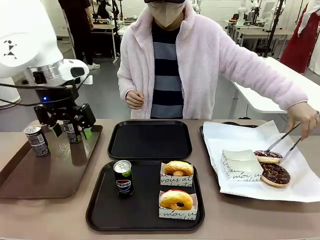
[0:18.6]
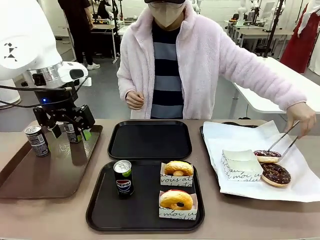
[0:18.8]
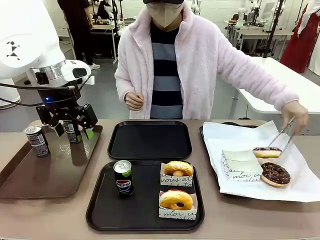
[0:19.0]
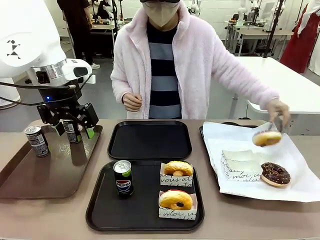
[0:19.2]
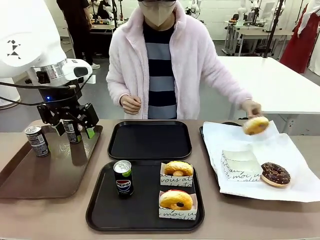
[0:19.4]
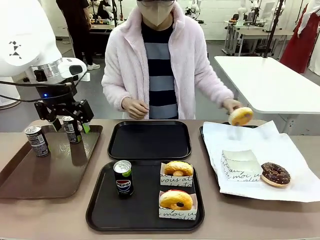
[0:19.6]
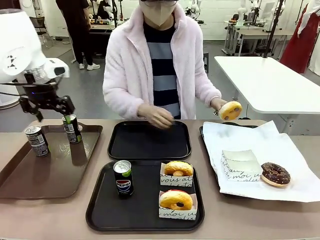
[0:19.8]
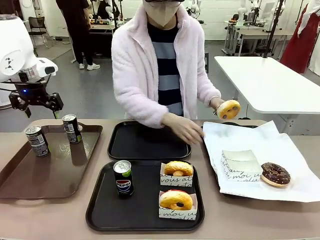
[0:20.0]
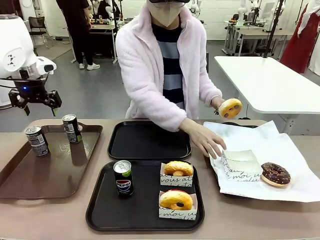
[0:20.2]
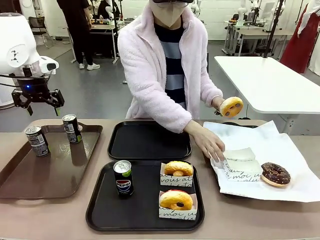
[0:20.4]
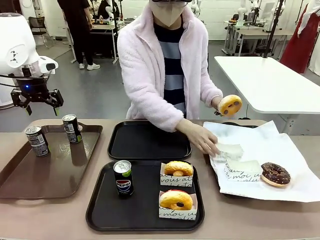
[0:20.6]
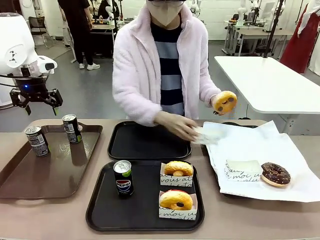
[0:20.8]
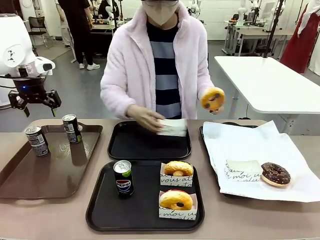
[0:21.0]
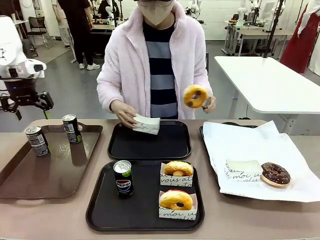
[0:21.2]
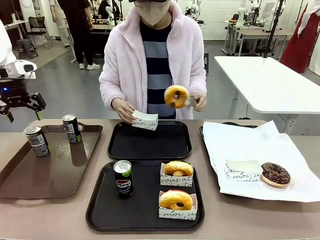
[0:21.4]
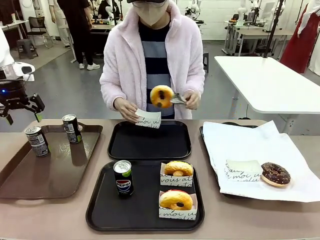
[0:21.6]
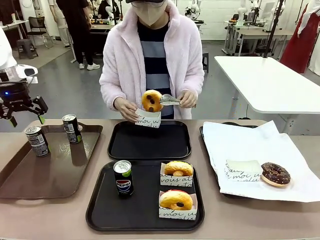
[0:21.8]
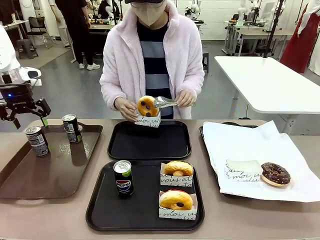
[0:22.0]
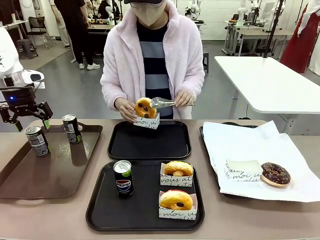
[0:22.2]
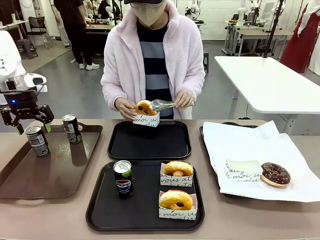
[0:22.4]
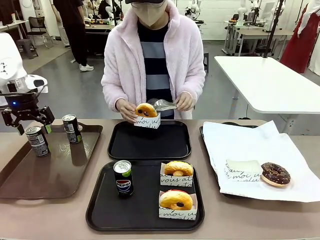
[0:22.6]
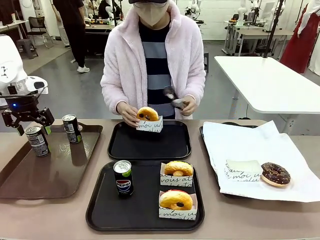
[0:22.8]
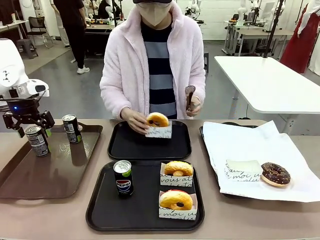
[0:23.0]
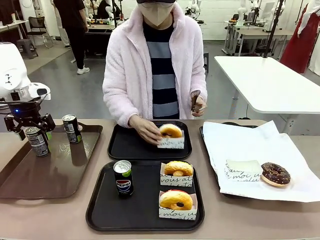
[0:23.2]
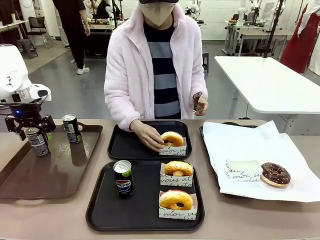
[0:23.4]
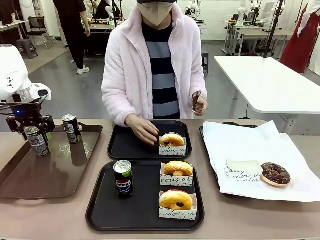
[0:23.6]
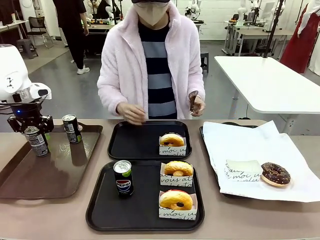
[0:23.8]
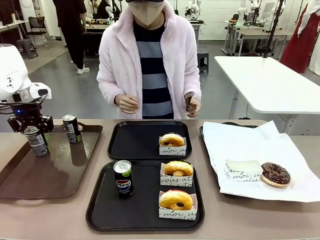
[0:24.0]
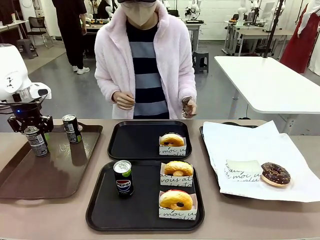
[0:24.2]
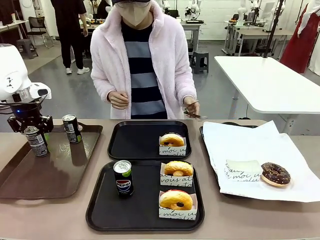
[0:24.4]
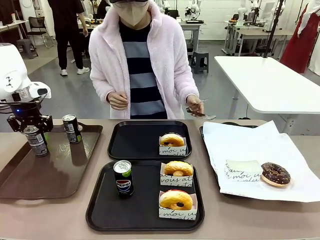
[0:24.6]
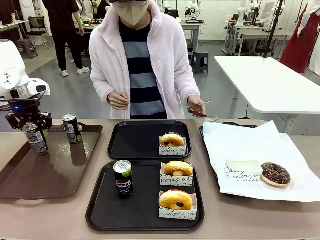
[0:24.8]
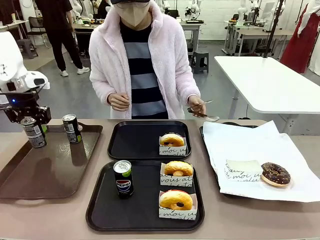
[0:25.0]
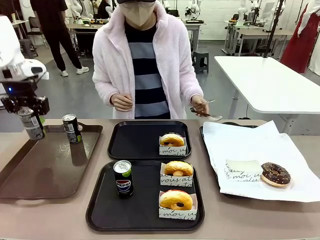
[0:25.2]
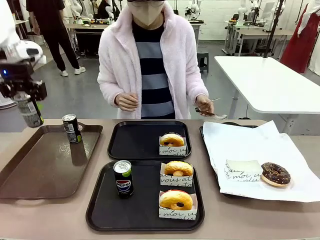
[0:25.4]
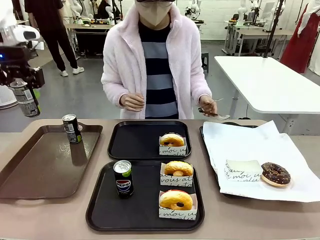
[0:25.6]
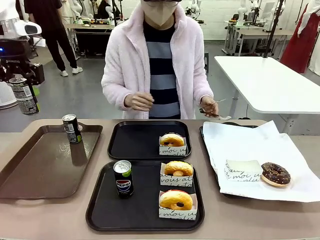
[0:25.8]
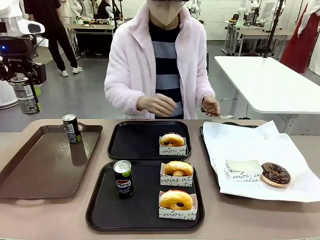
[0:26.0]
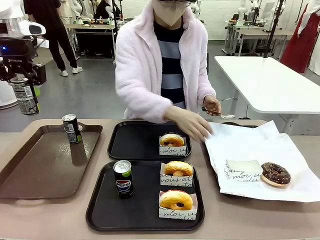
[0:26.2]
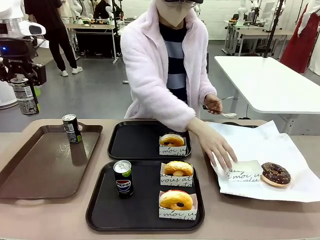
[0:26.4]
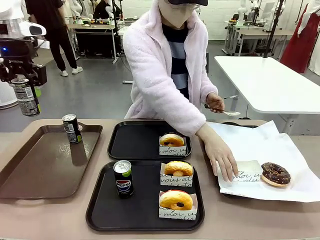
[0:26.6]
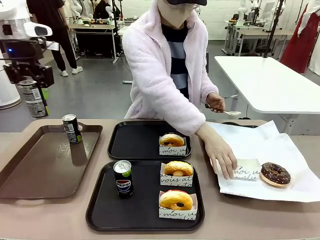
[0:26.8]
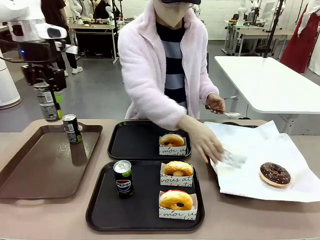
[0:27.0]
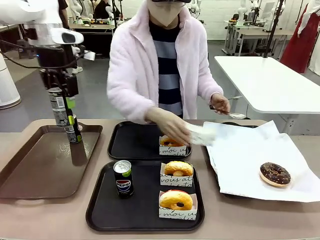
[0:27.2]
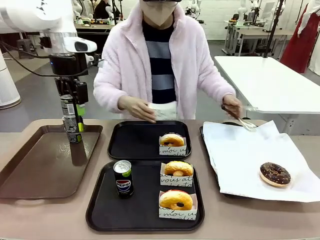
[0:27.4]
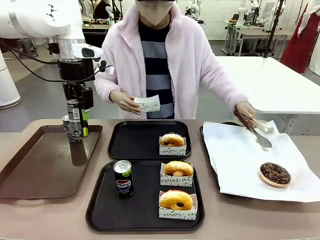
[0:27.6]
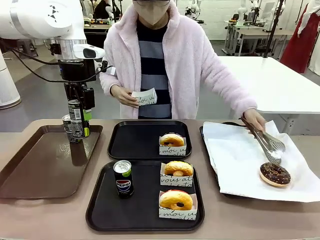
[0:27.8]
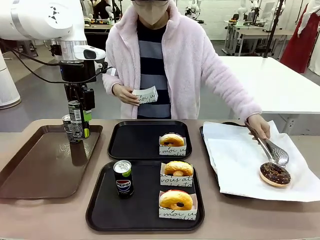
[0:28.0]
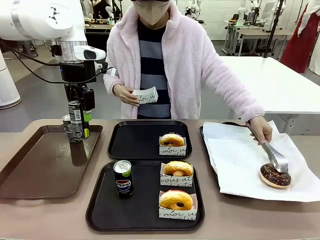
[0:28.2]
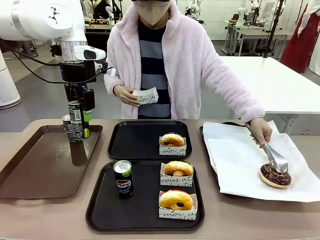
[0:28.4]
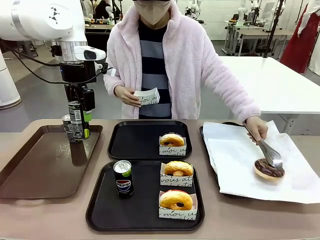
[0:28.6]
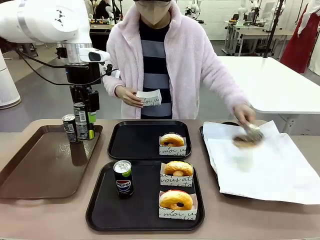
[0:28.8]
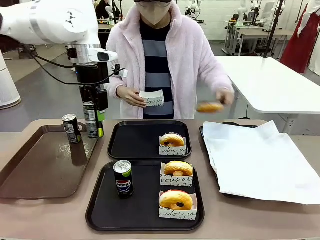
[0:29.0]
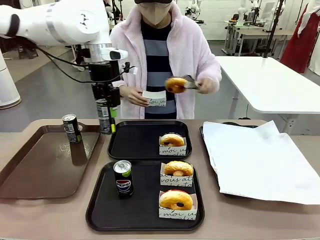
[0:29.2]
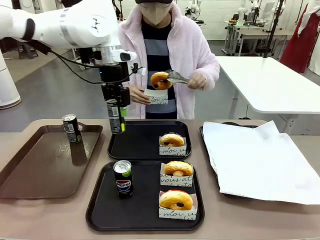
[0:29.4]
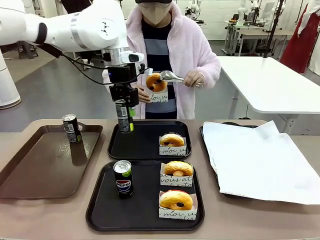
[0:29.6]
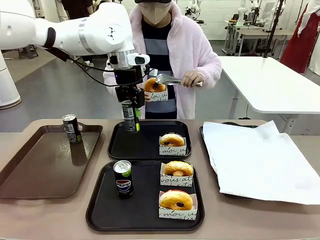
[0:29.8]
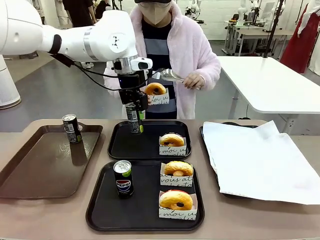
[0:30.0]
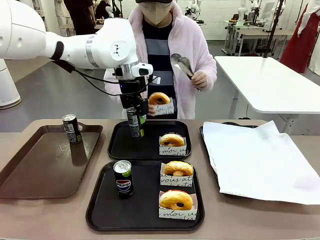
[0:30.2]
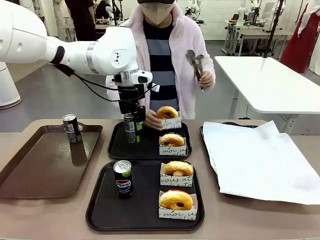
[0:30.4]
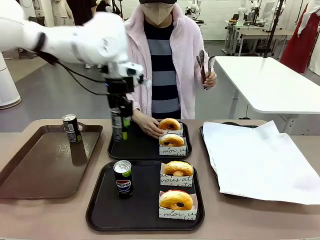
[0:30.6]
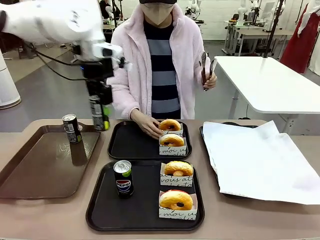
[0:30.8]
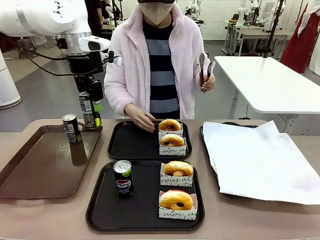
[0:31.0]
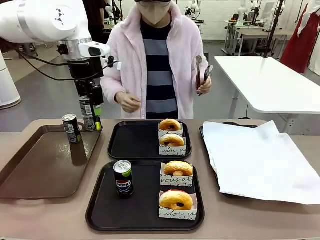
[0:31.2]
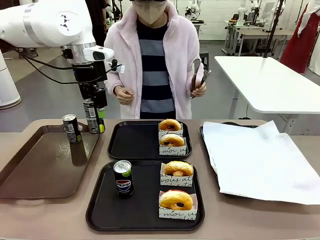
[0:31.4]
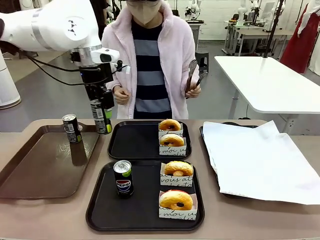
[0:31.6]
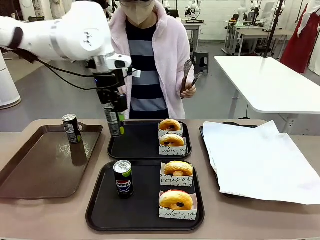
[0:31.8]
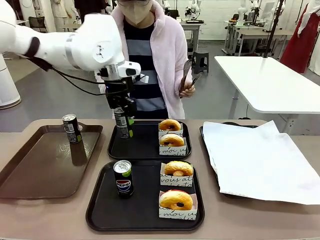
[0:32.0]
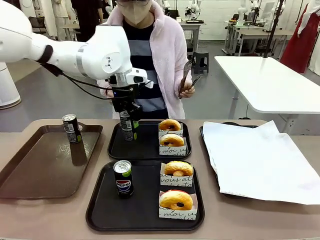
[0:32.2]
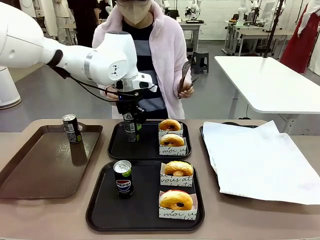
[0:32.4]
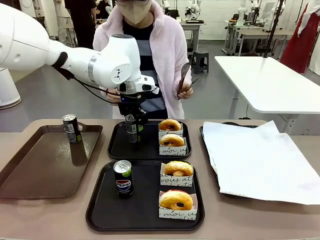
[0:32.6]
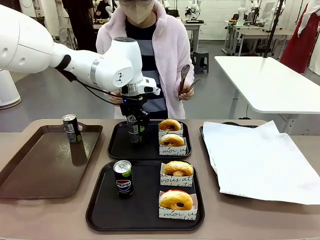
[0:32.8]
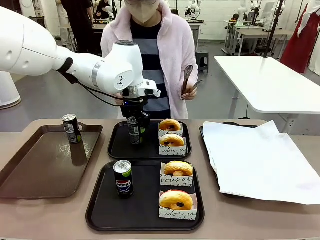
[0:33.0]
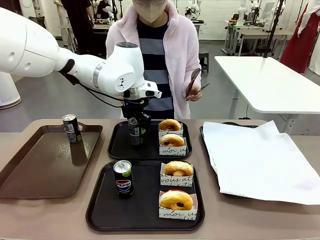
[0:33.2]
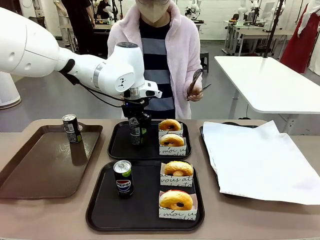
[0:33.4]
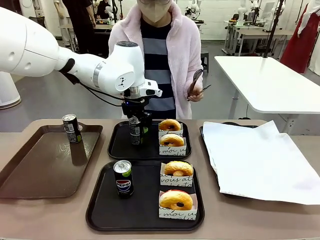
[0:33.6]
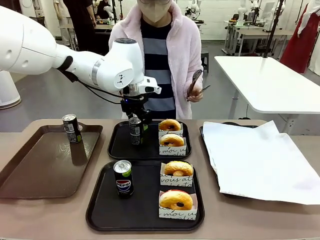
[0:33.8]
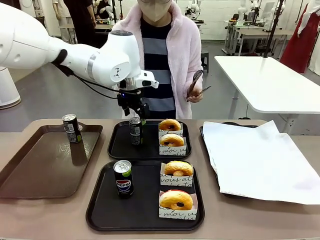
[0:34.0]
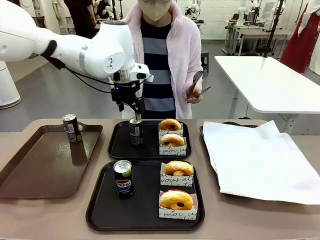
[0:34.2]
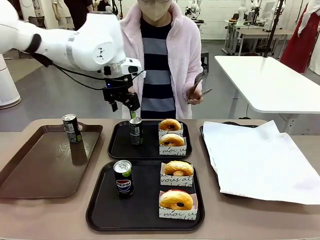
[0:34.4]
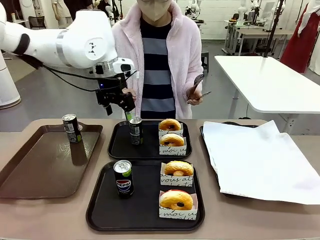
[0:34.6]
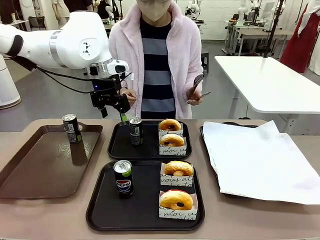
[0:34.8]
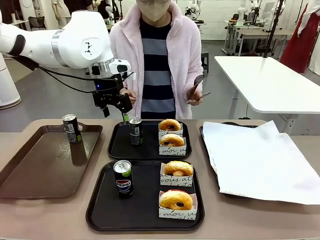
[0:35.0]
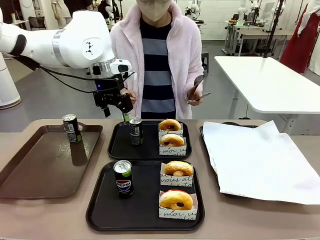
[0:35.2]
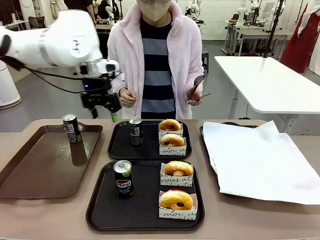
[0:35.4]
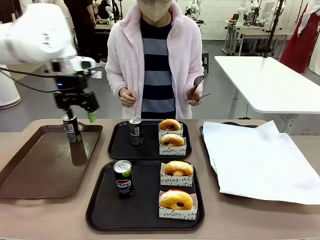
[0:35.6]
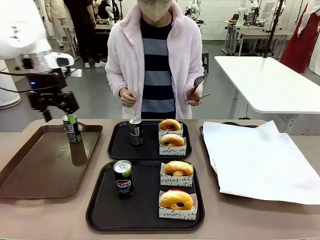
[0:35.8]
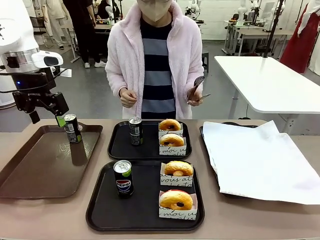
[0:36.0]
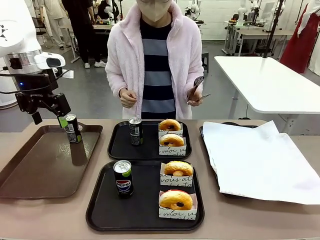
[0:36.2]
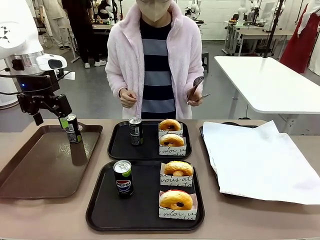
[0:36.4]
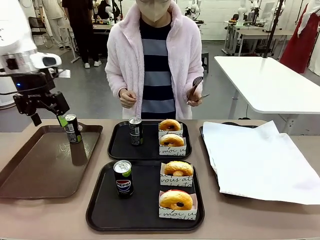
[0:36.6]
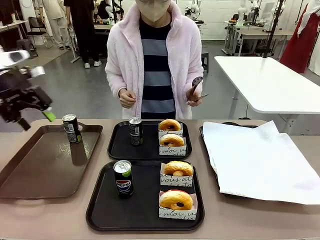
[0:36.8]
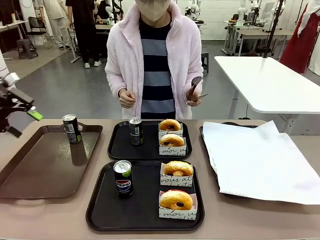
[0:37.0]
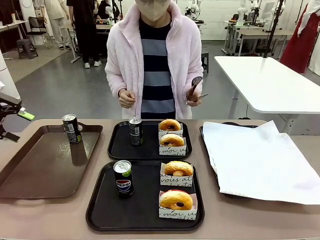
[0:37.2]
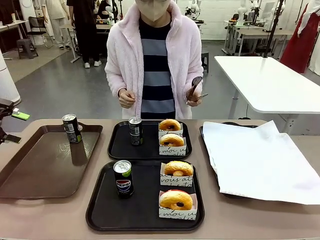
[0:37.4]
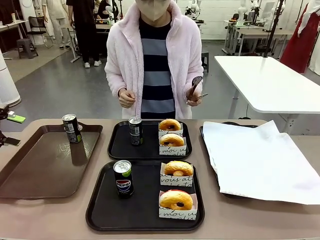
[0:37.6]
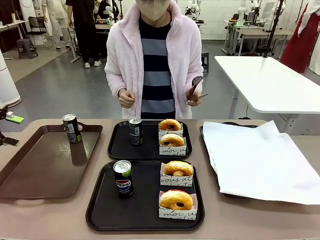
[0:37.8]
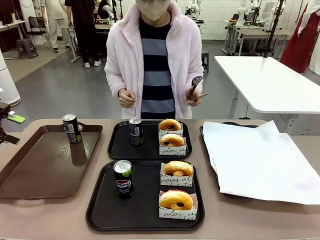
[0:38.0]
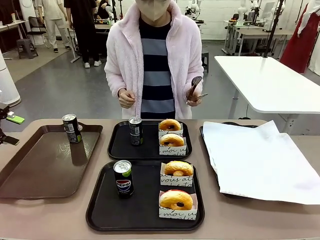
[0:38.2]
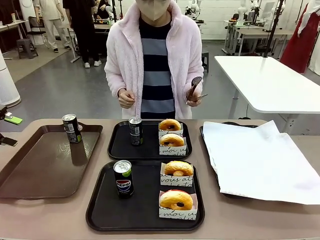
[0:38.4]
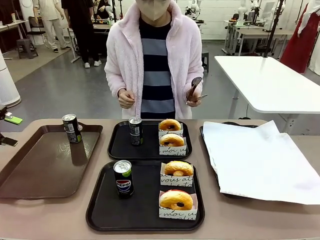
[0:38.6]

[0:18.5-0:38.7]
Task: Set up donuts and drinks on trays.
Robot: Pick up one Pepsi coke from the Handle tray and place it on the Flat Tray without a Pepsi coke.
Person: Pick up one donut with tongs, place it in the donut tray, and then place the donut tray on the flat tray.
